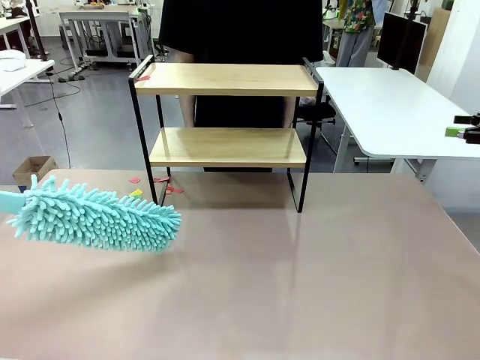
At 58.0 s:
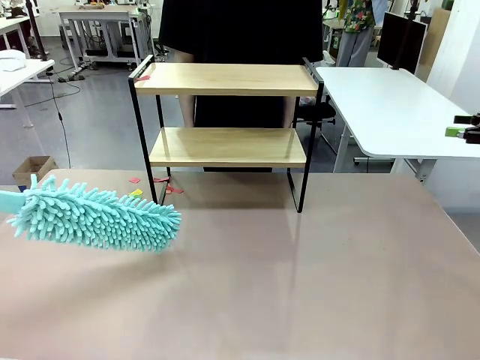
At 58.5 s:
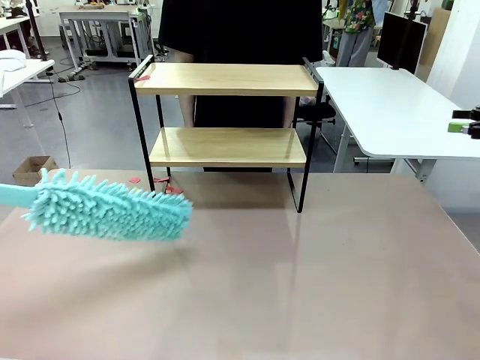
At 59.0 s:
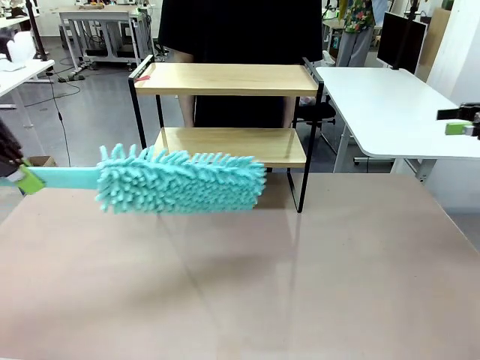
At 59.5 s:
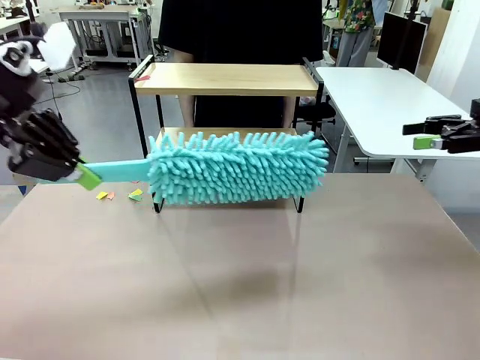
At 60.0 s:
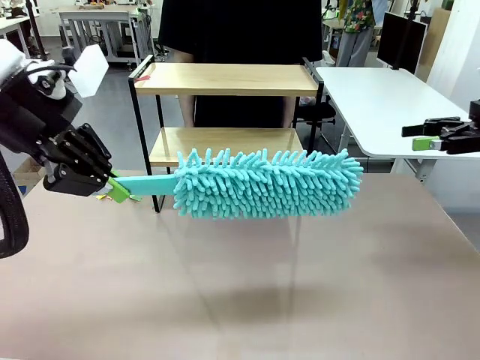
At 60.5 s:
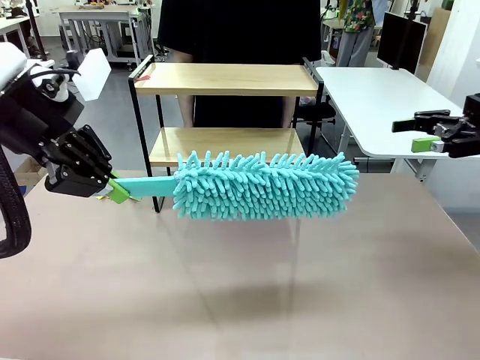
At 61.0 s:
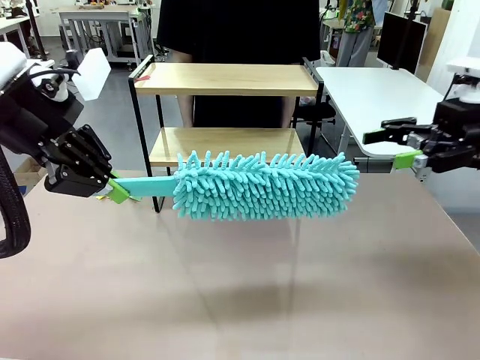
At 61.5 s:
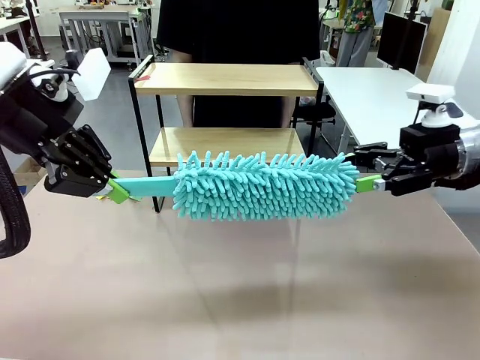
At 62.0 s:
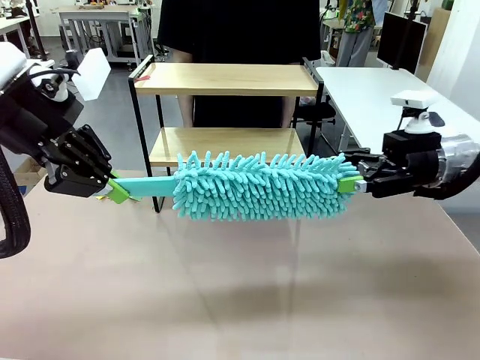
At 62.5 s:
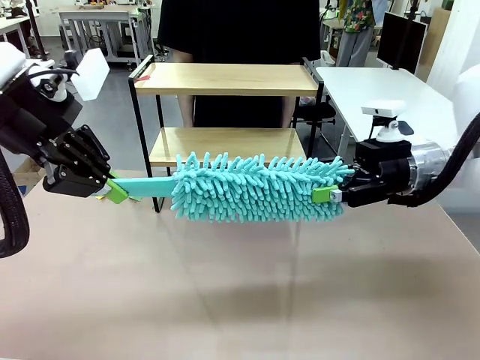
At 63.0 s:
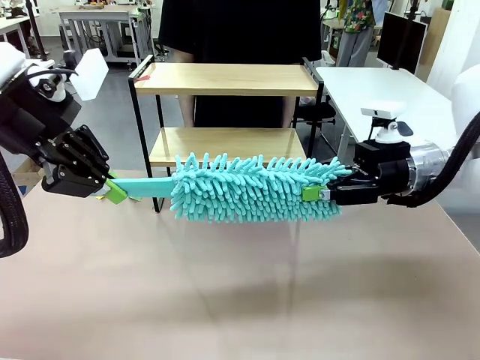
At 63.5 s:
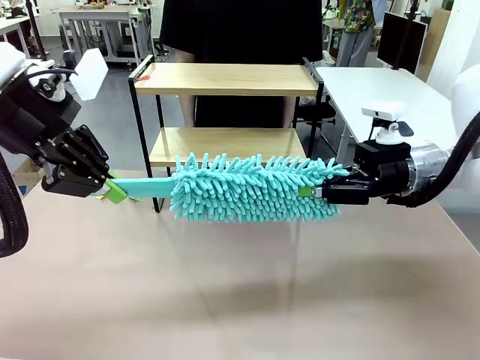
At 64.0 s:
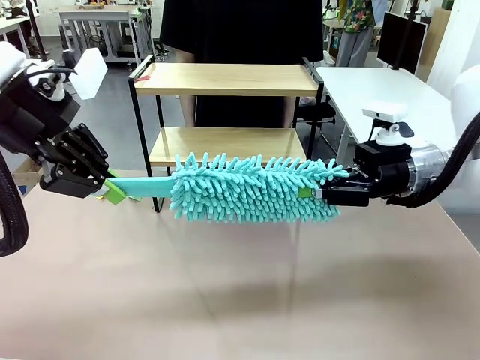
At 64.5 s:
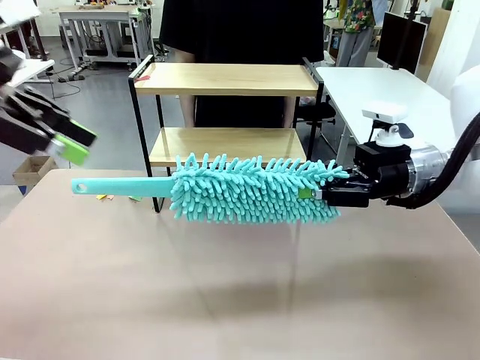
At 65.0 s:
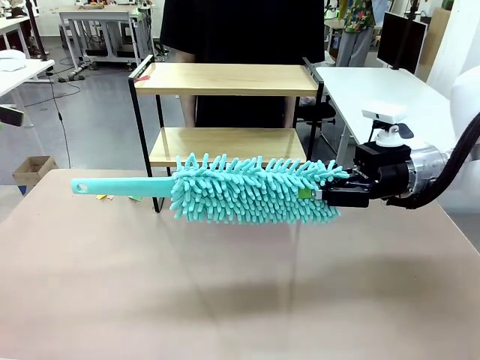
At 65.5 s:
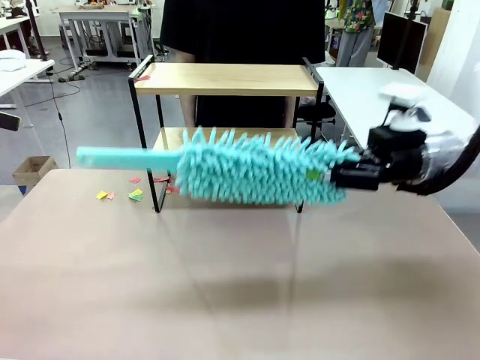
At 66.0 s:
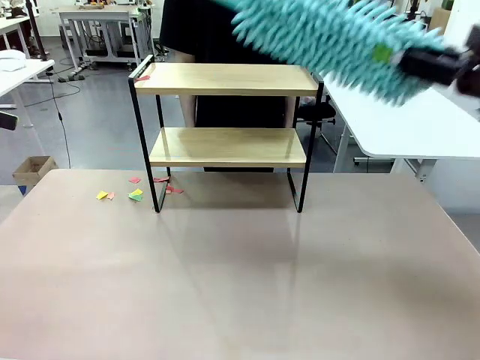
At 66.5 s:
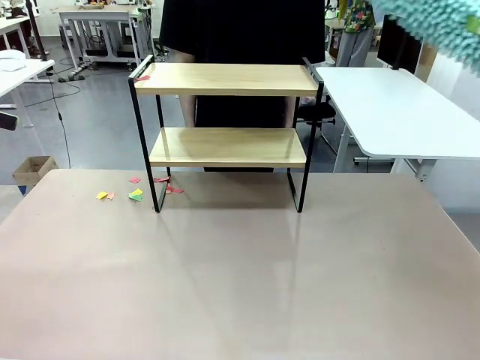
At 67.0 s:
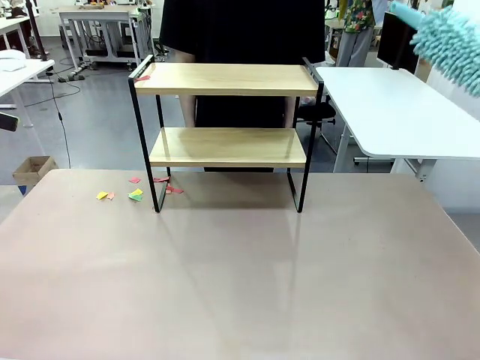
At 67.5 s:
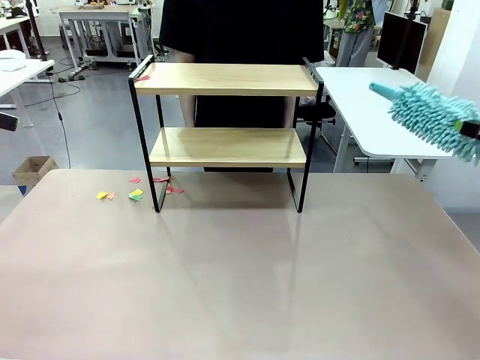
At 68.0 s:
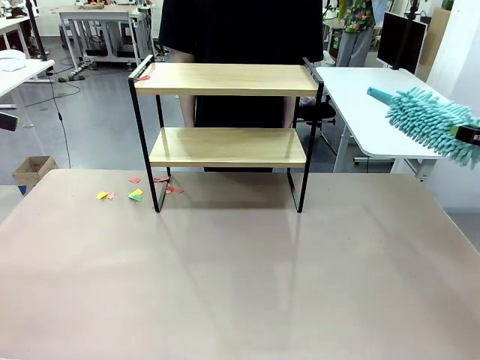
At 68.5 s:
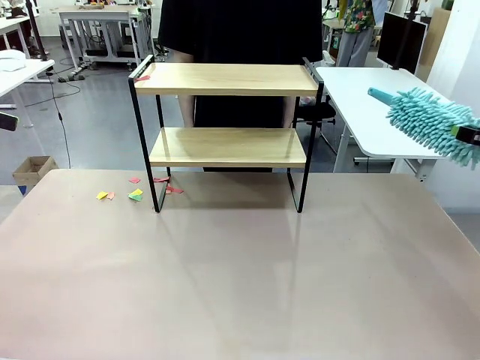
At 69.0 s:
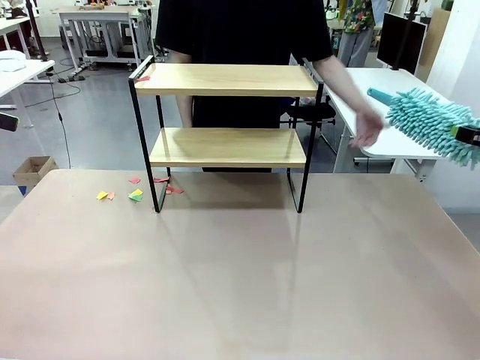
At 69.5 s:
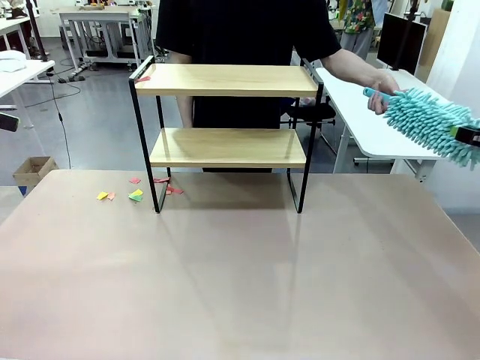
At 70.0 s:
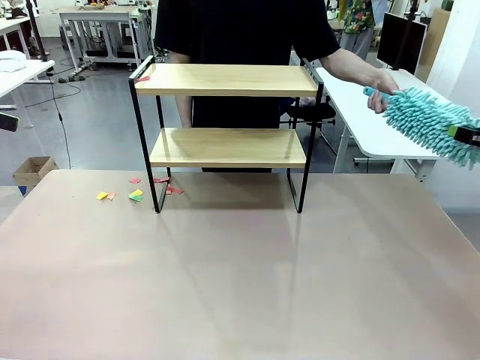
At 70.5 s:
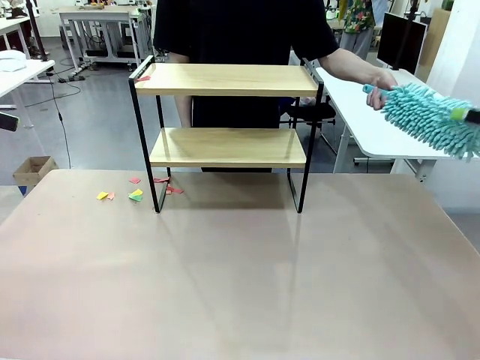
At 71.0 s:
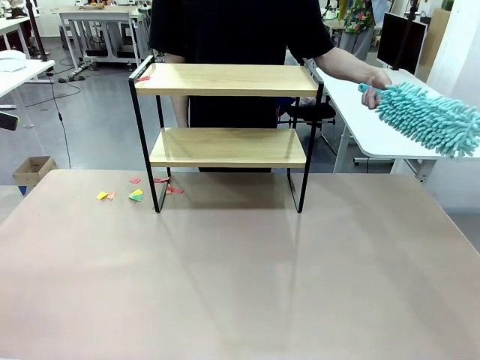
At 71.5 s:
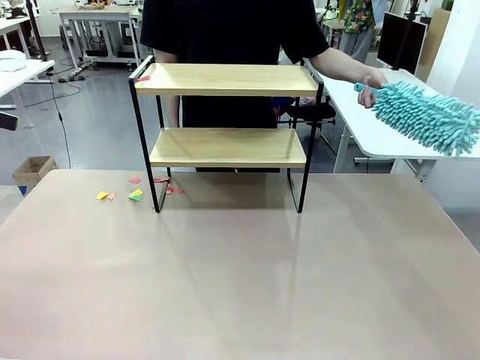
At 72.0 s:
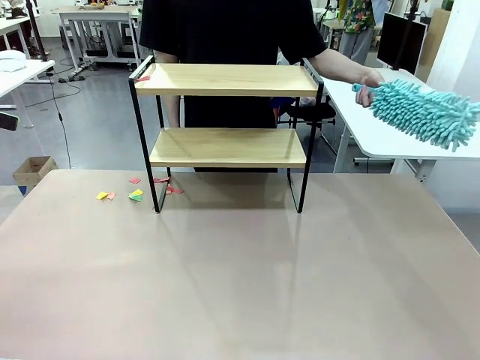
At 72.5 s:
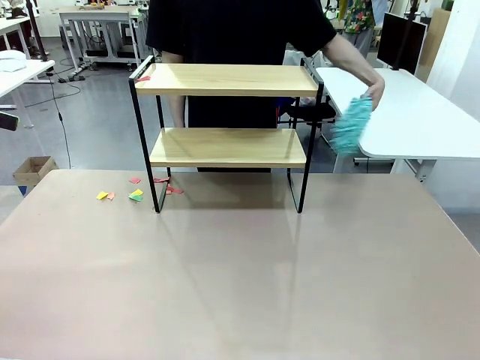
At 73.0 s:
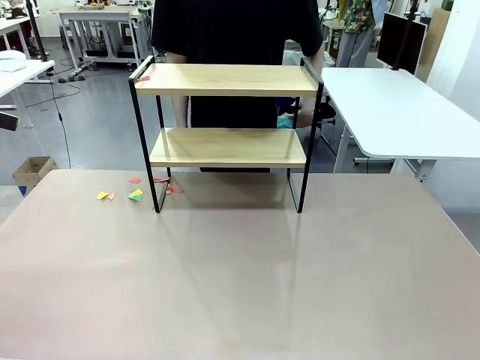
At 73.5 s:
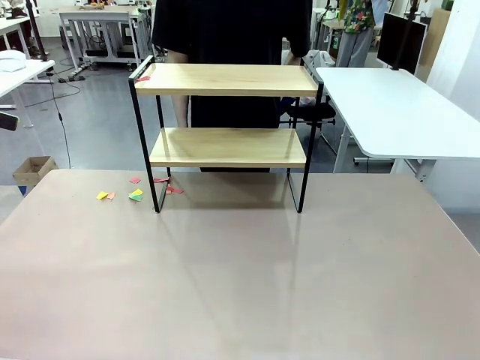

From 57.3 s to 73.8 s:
Task: Clean the shelf.
Robot: Hand the Duster back to the human.
Person: Receive the Duster from the robot.

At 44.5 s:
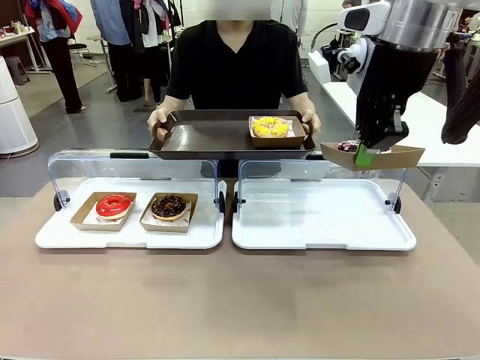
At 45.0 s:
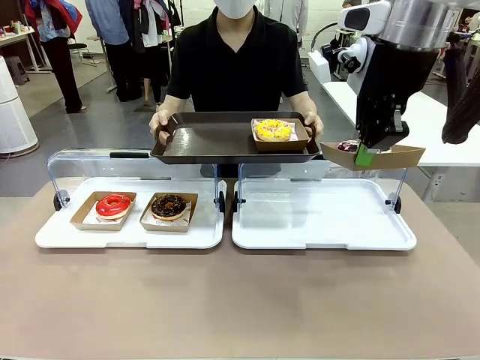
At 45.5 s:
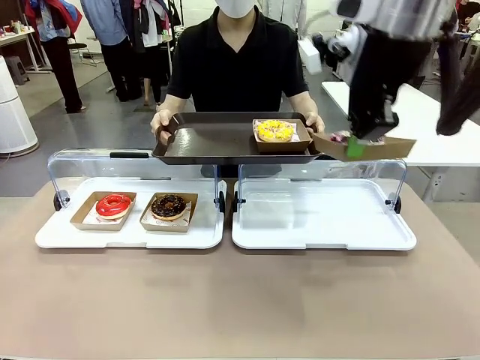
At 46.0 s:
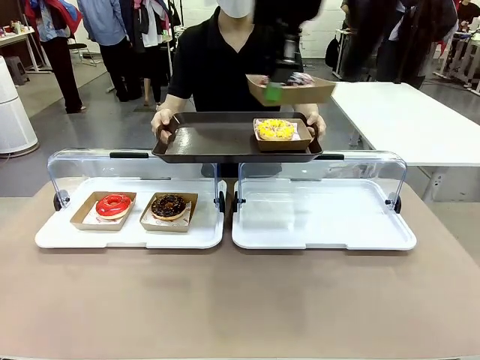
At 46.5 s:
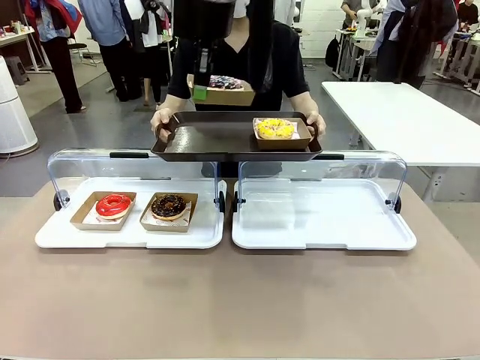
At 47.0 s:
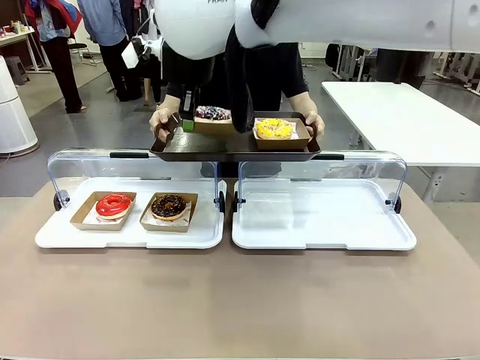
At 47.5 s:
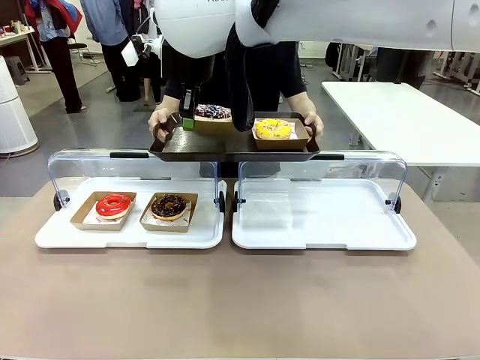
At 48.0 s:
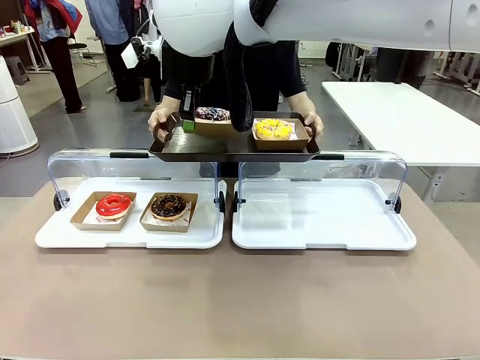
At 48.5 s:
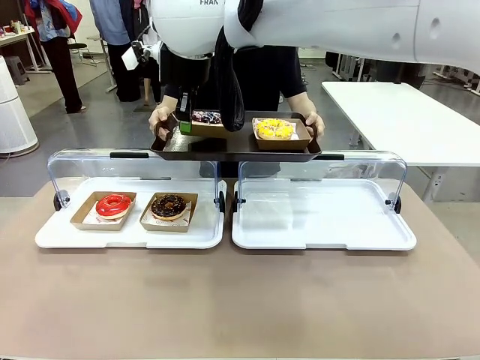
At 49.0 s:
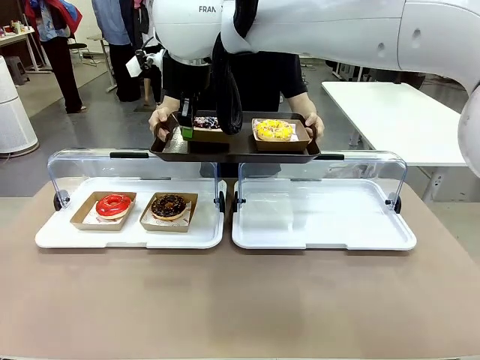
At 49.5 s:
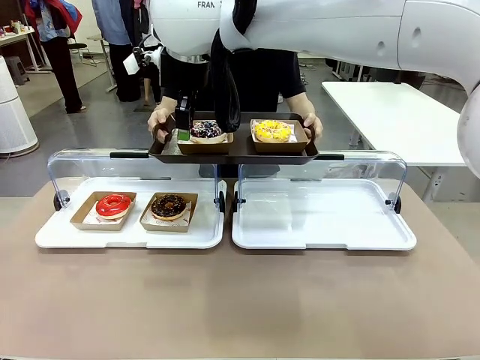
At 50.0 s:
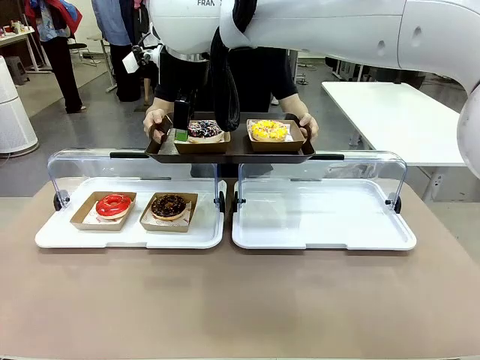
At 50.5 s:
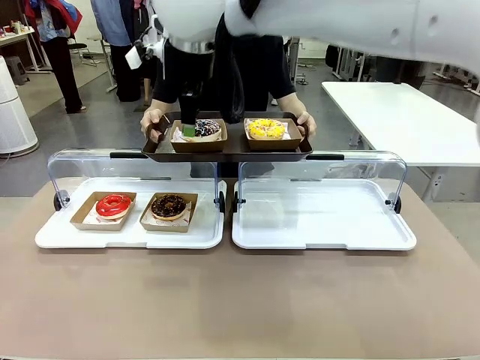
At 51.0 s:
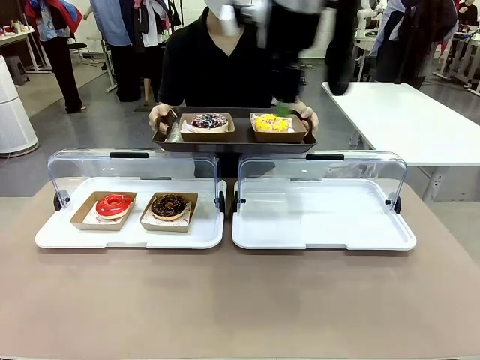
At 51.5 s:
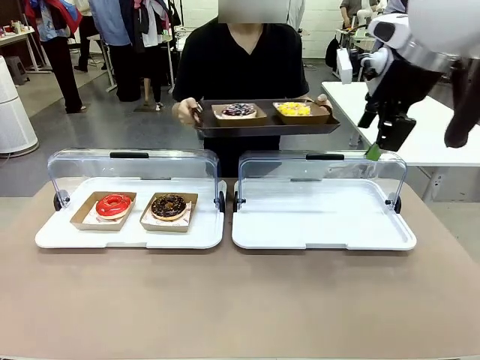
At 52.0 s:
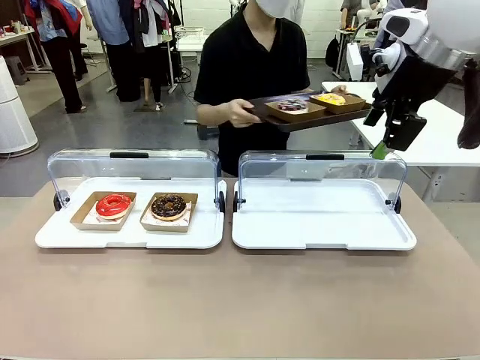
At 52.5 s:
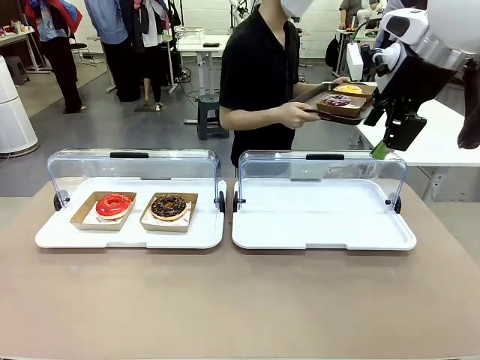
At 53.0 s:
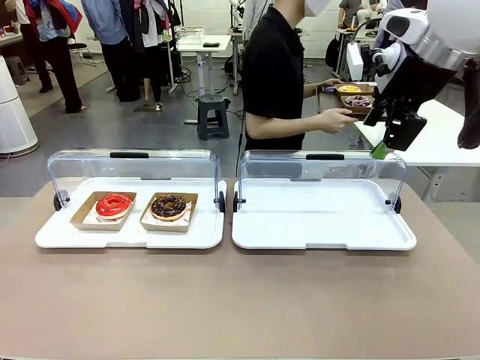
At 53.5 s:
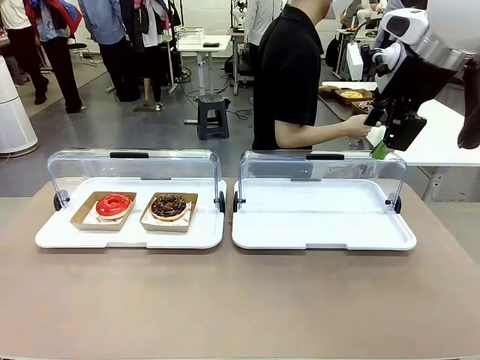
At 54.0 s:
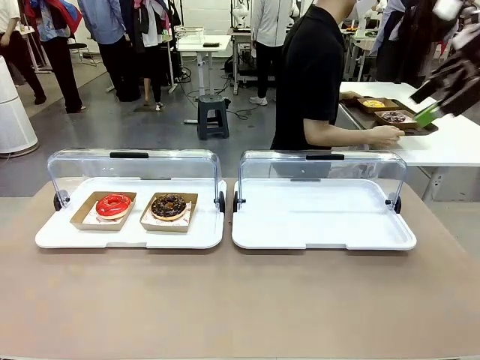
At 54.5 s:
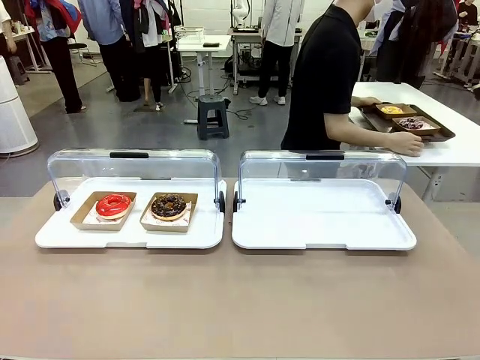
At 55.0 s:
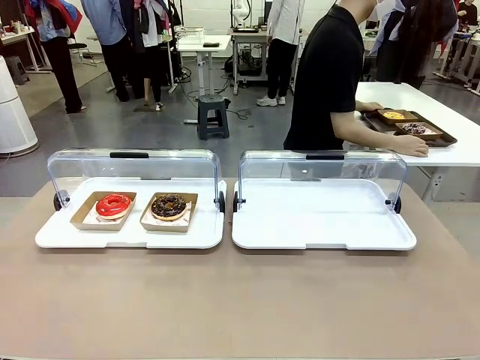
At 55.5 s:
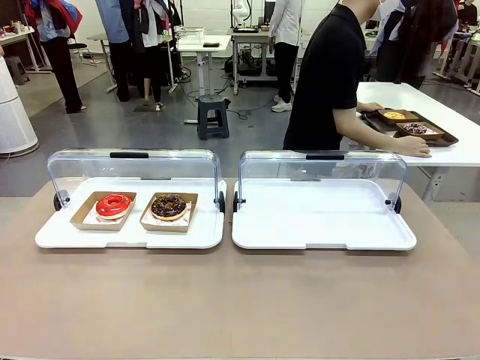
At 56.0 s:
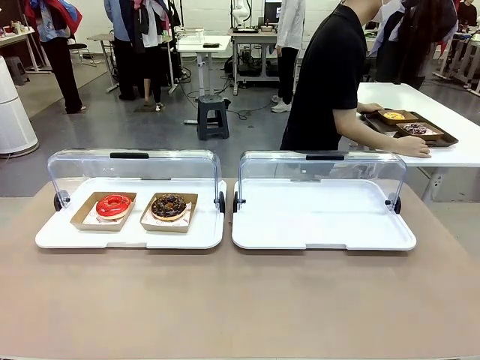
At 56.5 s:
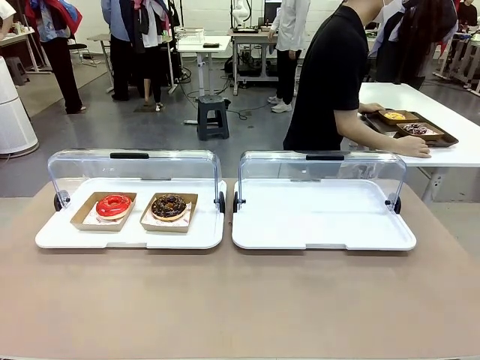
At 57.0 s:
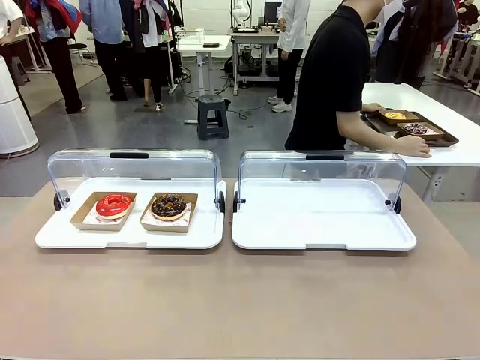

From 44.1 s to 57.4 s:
Task: Provide the desired donut to the person.
Robot: Place the picked Paper togo box onto the Handle tray extended by the person.
Person: Place the tray in the middle of the human table.
